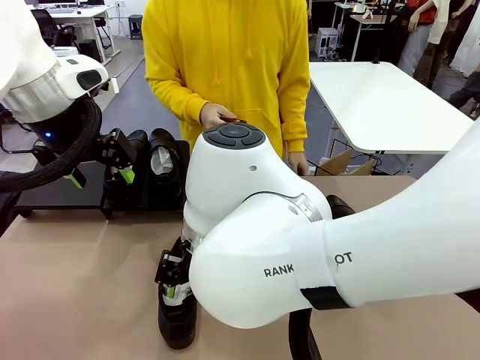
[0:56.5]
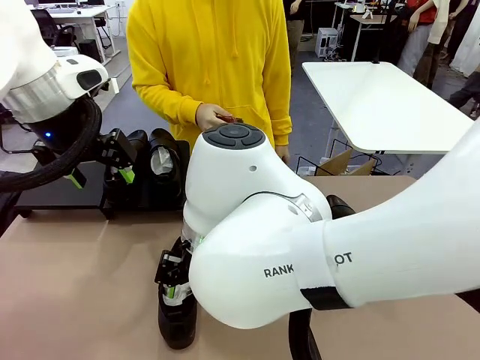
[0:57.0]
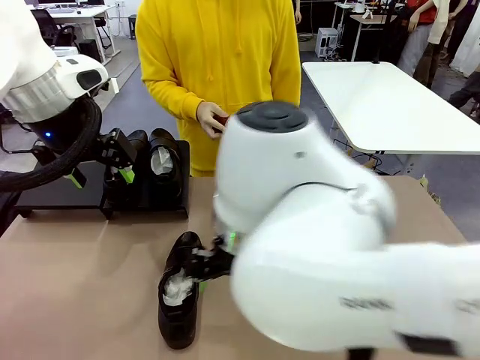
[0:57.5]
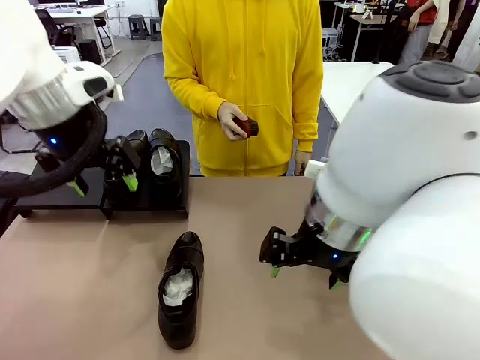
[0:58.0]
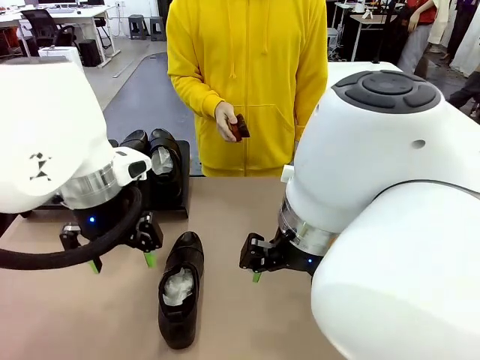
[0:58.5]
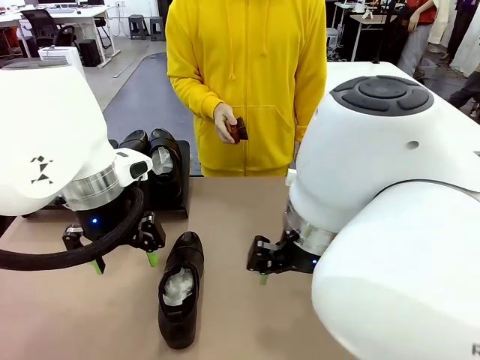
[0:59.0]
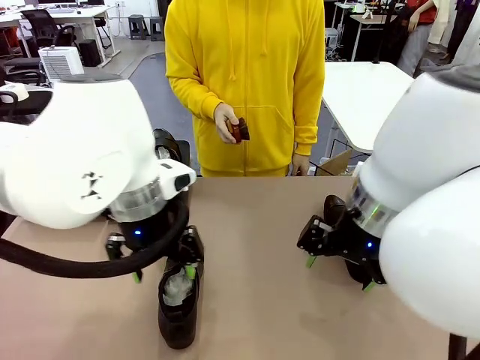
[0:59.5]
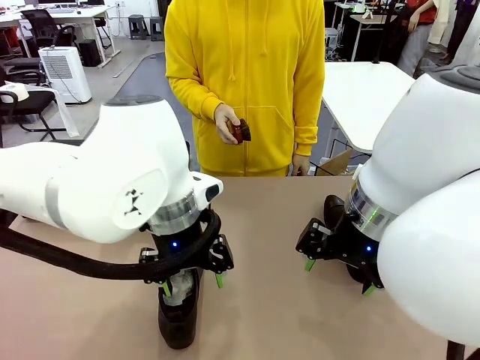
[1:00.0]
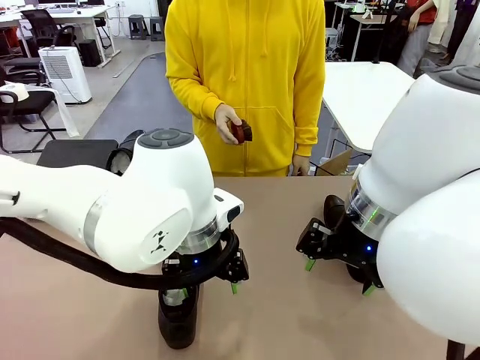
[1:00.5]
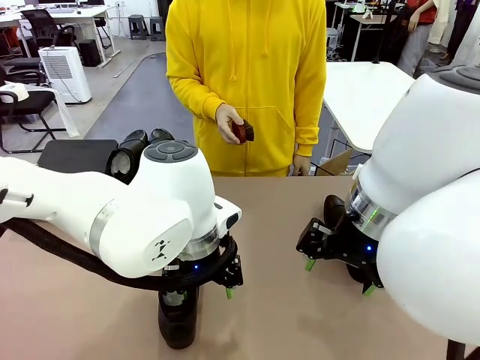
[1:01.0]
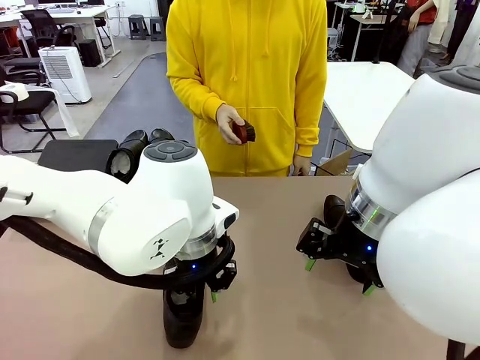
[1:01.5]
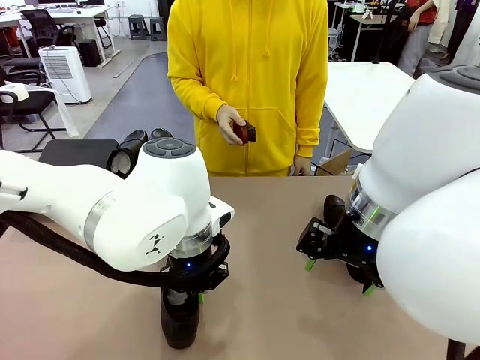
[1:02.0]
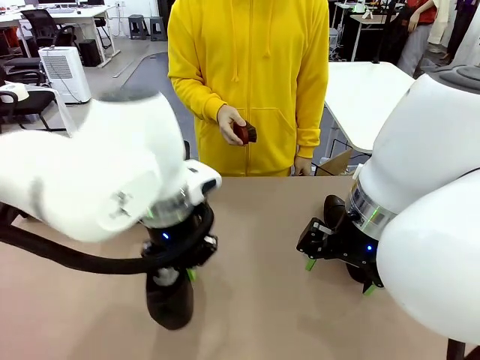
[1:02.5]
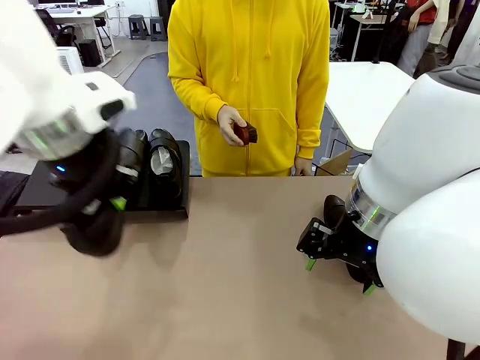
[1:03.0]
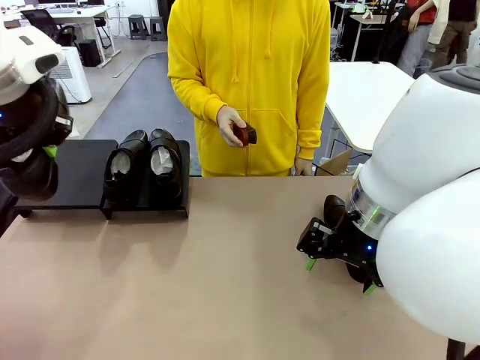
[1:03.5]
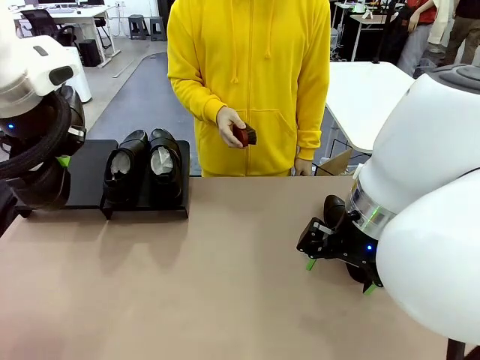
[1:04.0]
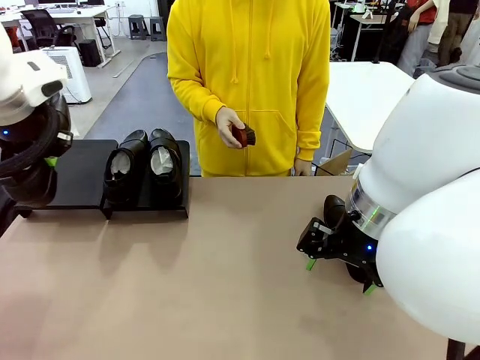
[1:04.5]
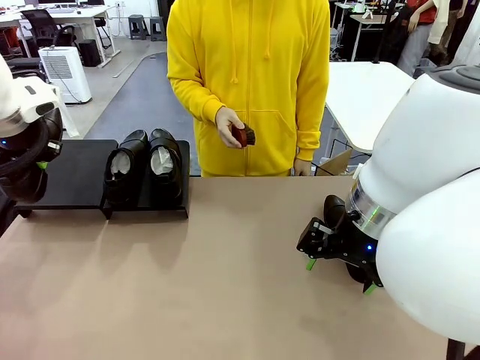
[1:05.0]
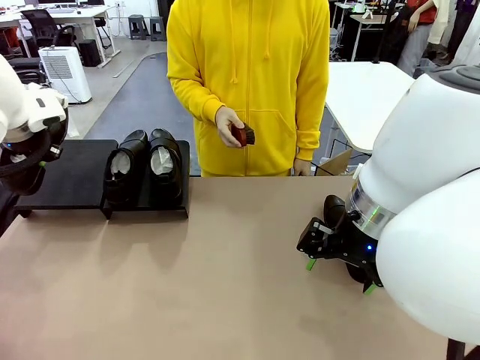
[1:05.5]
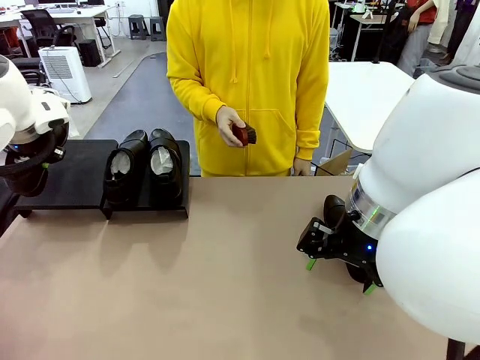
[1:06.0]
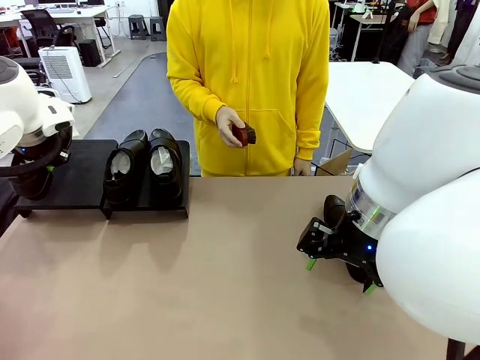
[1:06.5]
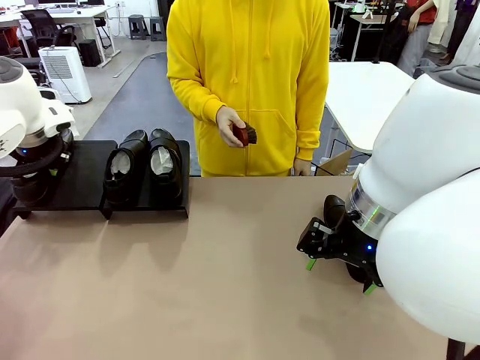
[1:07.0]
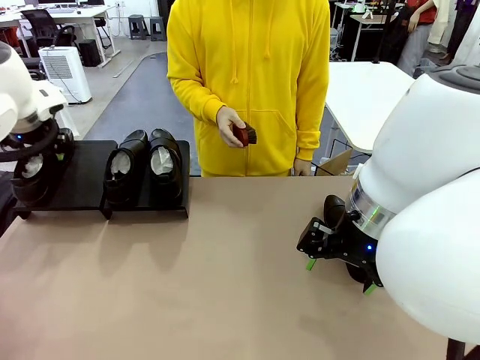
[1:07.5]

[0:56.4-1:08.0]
Task: Organize the shoes by placing them on the stand.
Robot: Place the Shoe from the middle of the table onto the Shoes Stand.

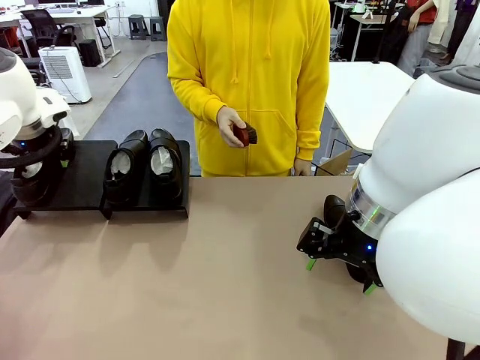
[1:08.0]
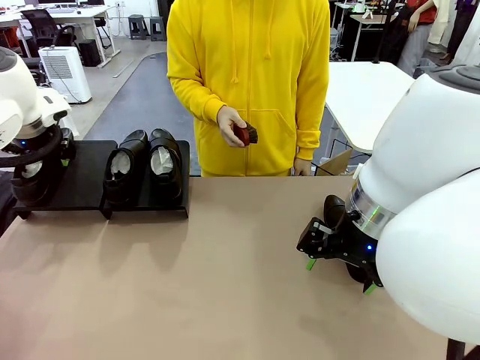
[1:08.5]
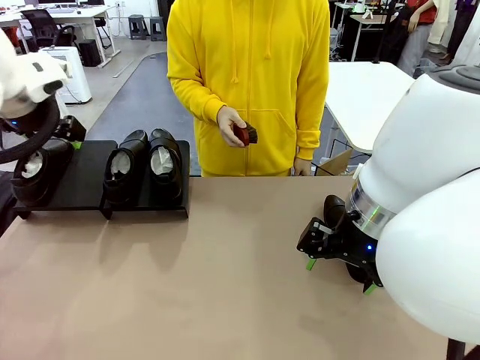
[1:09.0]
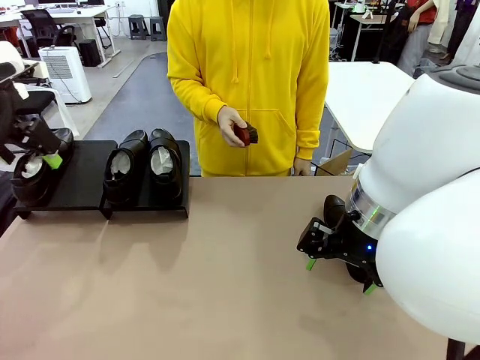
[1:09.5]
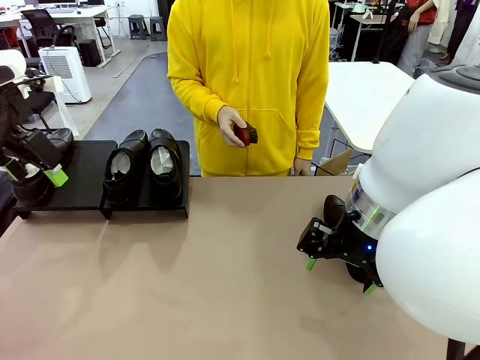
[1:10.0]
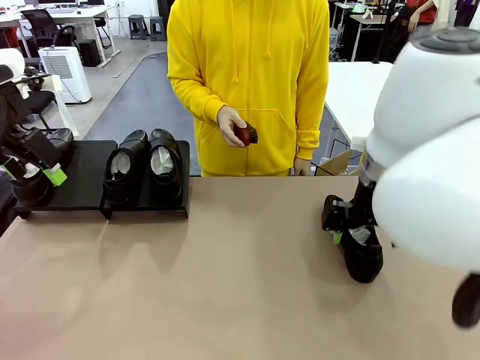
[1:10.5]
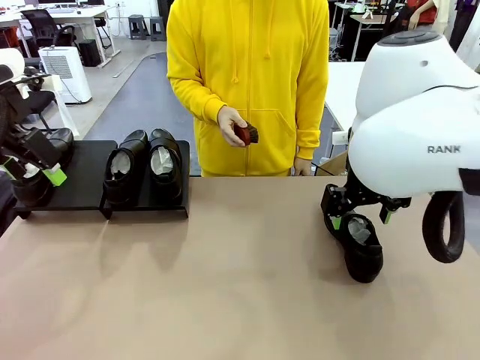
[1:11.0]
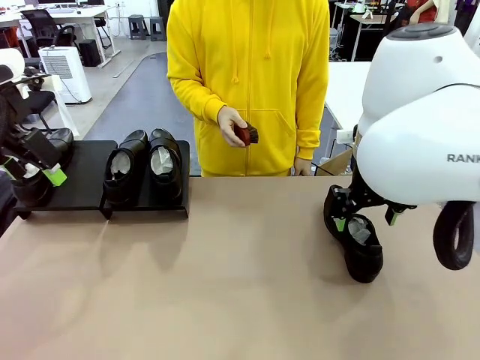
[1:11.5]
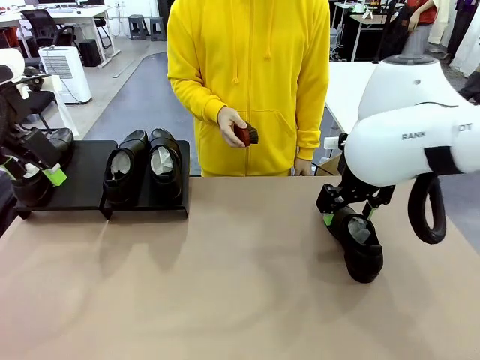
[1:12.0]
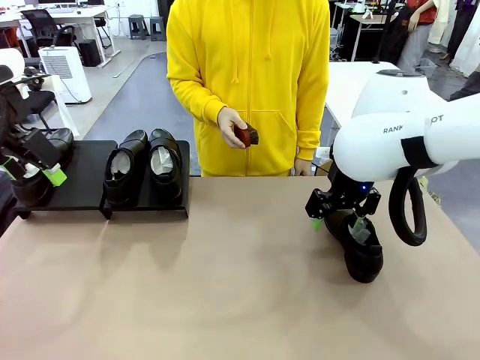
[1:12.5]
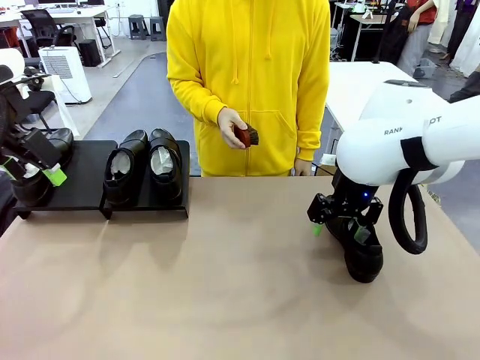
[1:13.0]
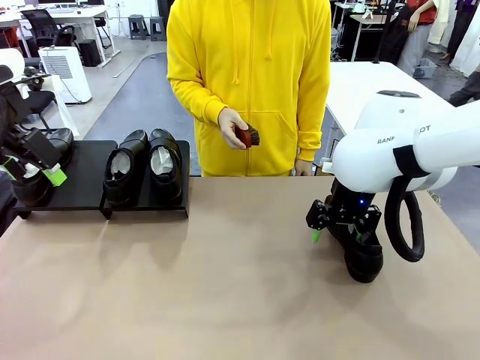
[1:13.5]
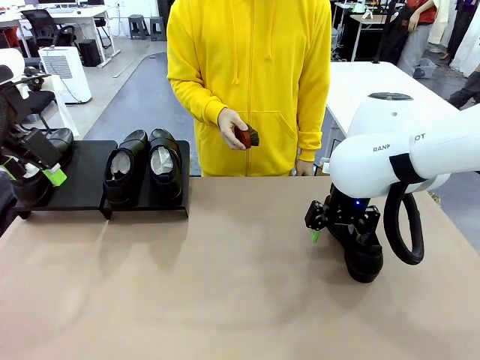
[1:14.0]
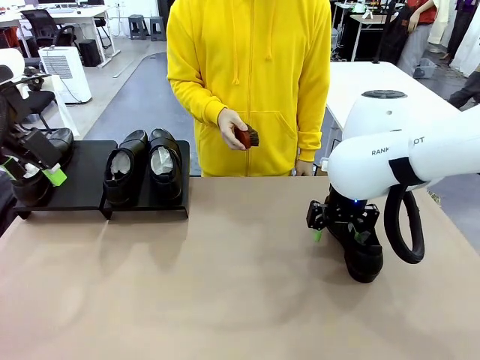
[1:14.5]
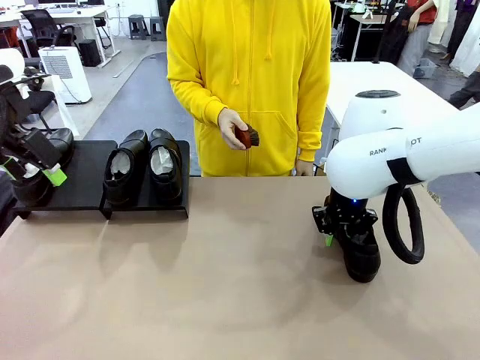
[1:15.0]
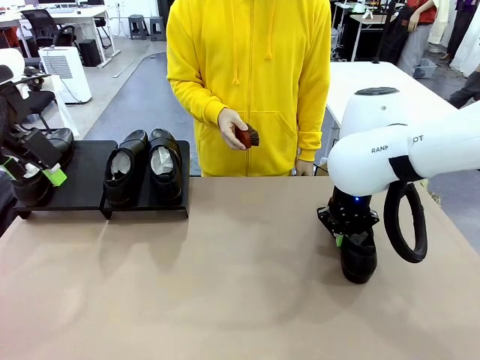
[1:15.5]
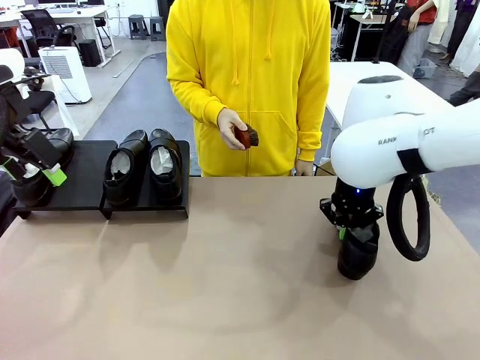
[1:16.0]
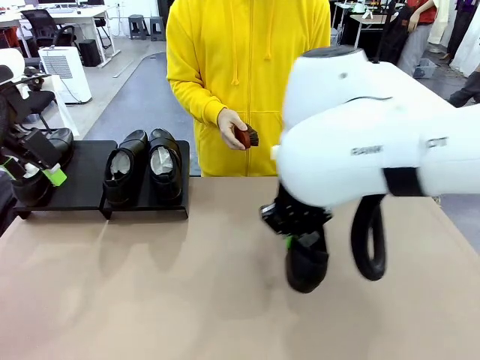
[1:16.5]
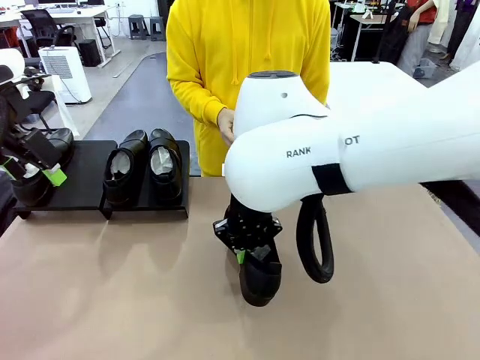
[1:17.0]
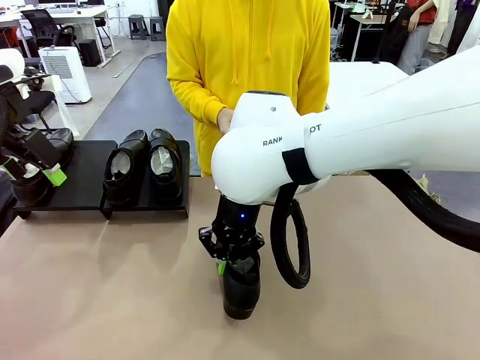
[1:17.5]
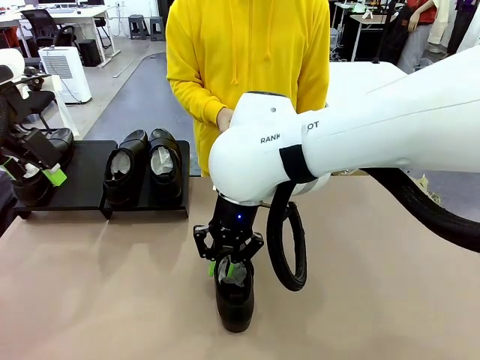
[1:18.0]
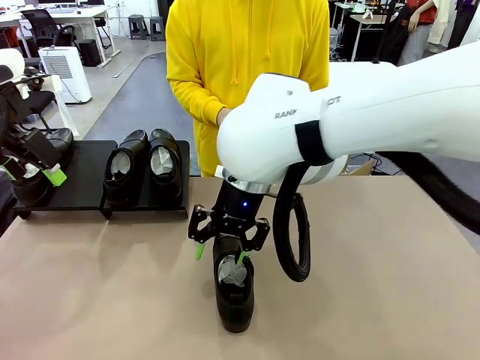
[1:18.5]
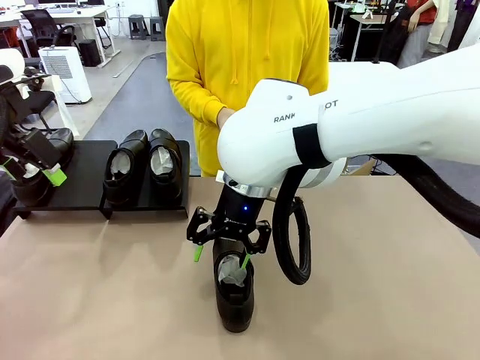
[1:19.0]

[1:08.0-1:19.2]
Robot: Pick up one Shoe and place it in the middle of the table.
